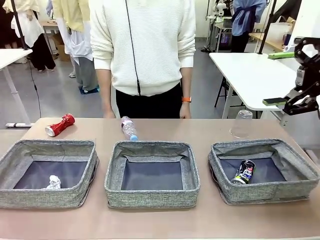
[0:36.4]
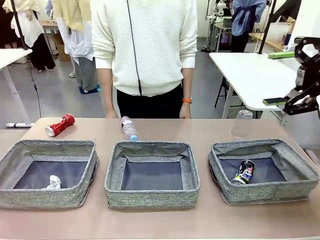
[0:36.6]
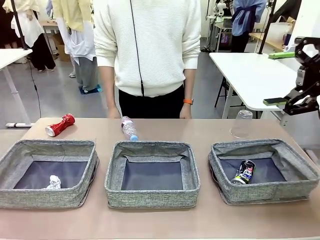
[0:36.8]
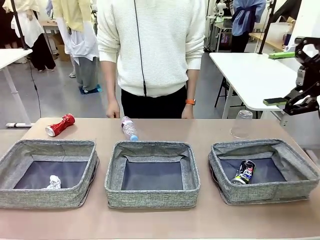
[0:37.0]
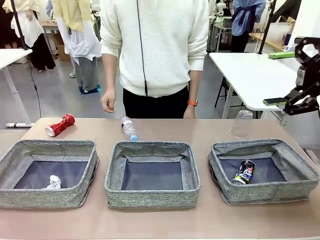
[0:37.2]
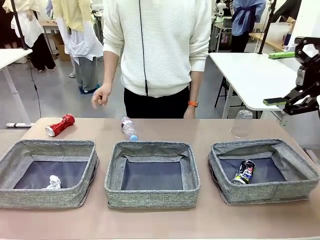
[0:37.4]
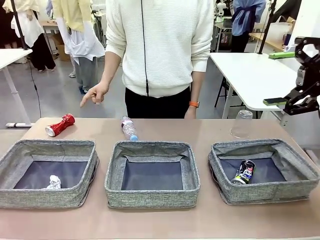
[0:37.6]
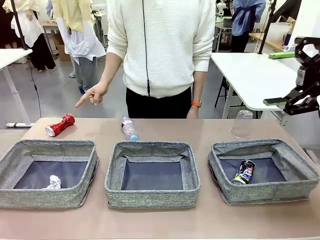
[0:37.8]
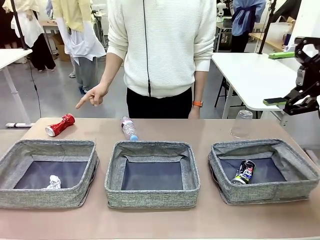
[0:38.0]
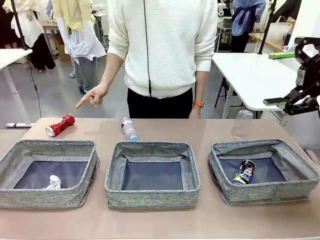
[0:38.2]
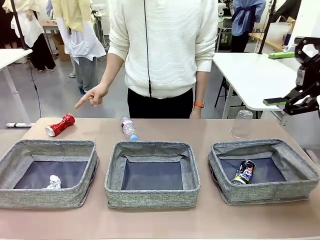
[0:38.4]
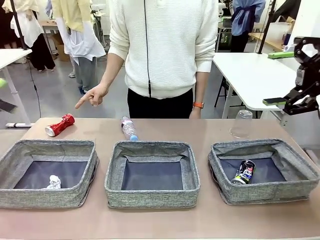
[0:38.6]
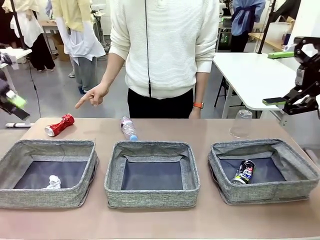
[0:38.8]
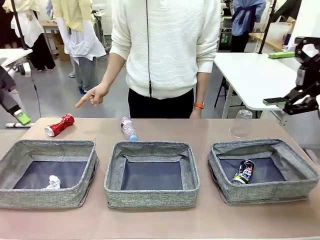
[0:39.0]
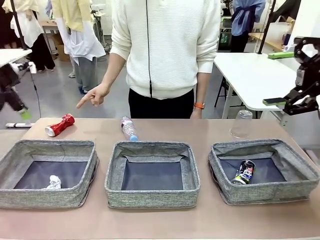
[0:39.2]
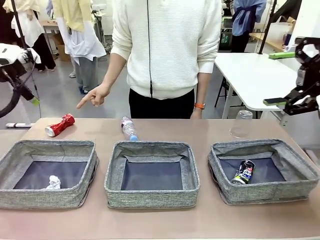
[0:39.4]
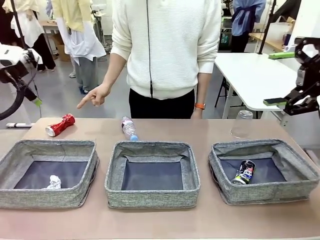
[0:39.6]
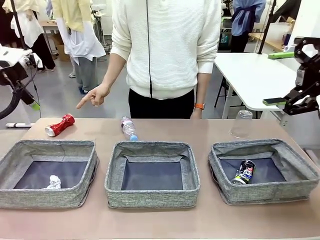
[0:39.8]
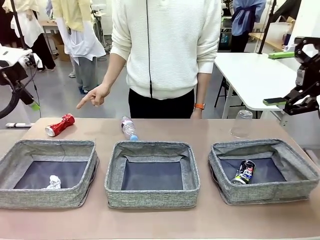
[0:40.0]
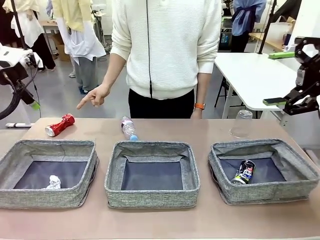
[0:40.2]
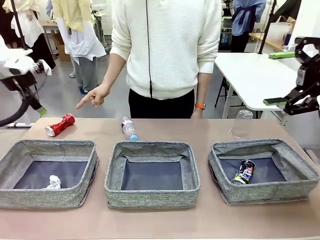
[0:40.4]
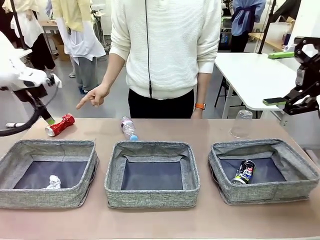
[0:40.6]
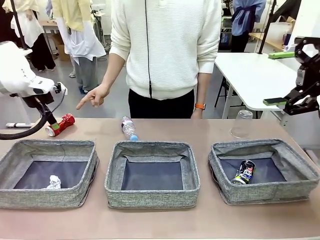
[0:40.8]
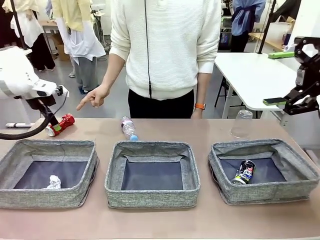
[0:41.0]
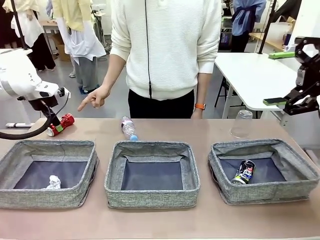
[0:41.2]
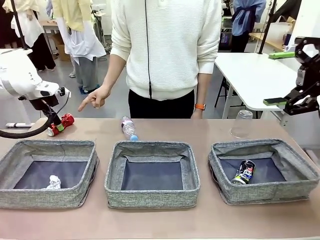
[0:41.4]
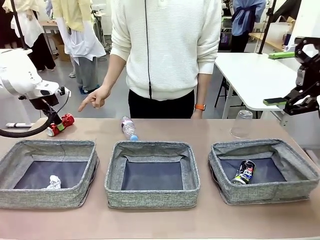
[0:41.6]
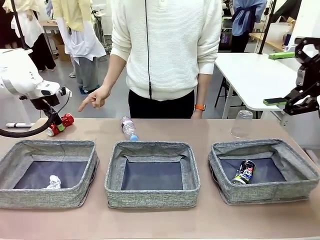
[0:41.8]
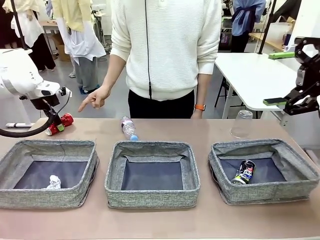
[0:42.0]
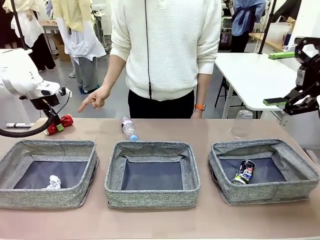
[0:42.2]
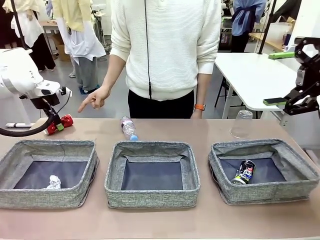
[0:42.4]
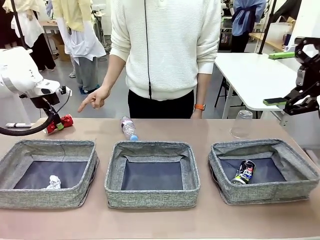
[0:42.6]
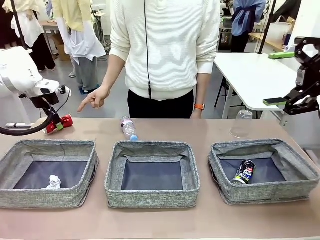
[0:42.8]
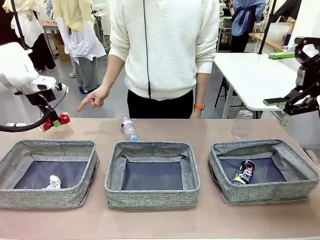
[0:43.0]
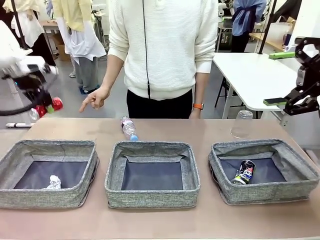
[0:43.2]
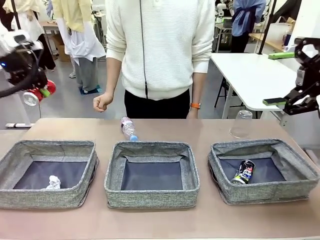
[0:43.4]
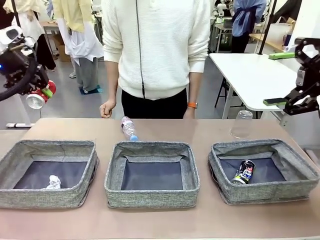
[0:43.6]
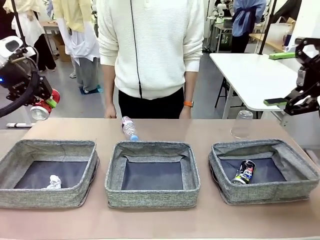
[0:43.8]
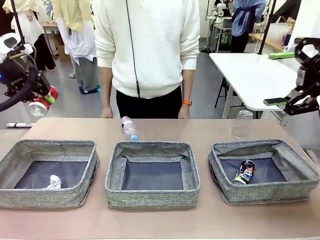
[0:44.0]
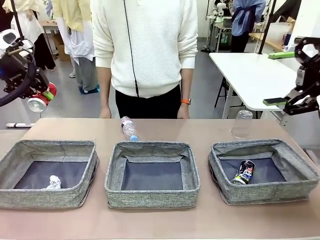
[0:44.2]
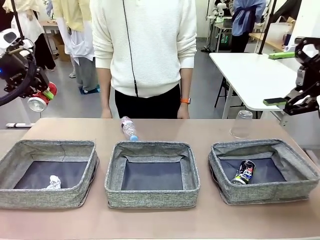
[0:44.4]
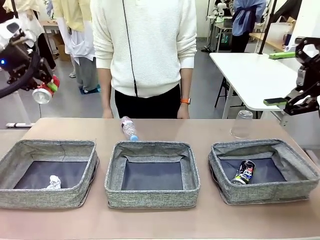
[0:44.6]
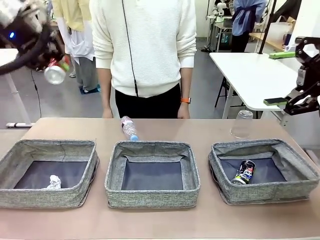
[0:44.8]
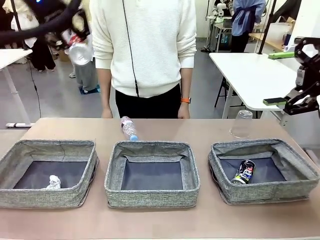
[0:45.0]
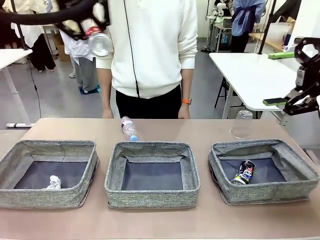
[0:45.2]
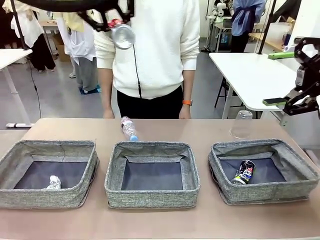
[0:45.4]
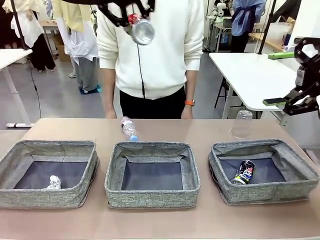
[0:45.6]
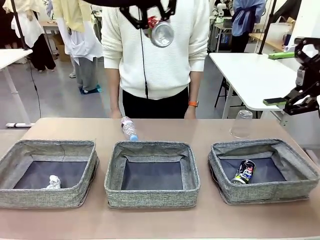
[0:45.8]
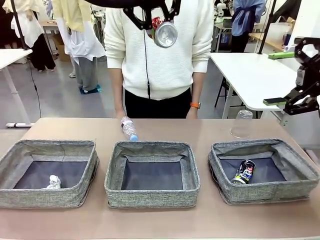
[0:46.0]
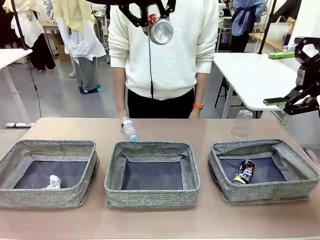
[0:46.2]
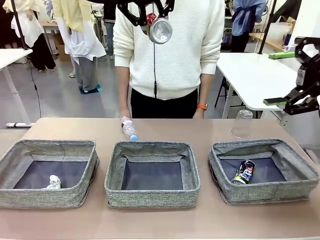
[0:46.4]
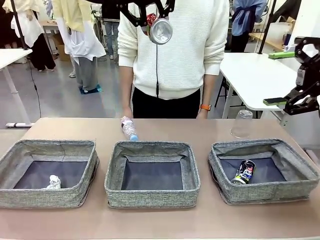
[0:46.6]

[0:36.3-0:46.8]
Task: Sort the waste into the appropriate baskets.
Robot: Pick up the waste item pointed out by the person.
Person: Points to one piece of trash on the table.

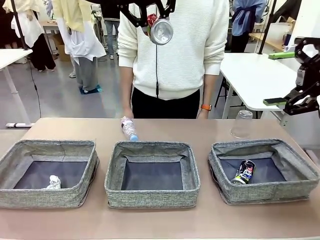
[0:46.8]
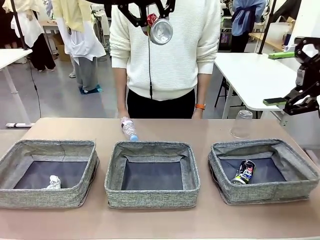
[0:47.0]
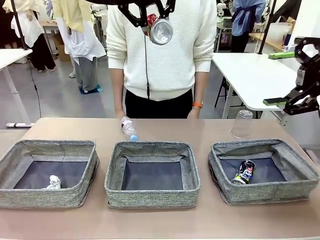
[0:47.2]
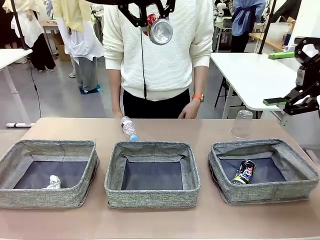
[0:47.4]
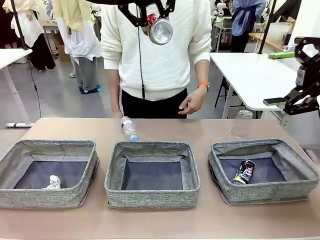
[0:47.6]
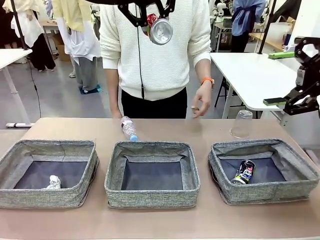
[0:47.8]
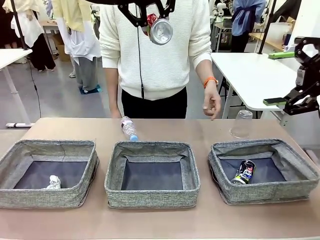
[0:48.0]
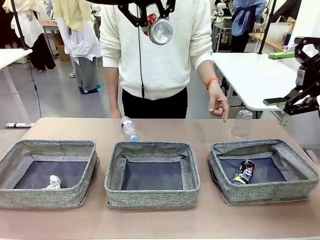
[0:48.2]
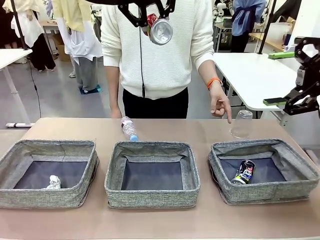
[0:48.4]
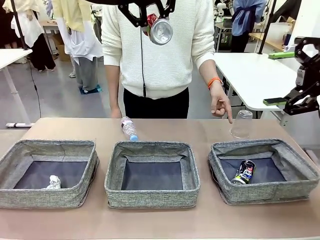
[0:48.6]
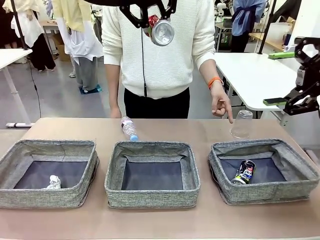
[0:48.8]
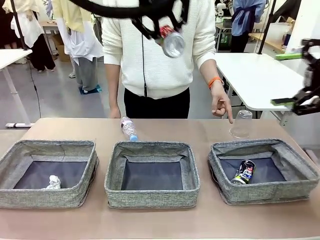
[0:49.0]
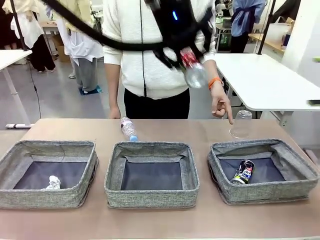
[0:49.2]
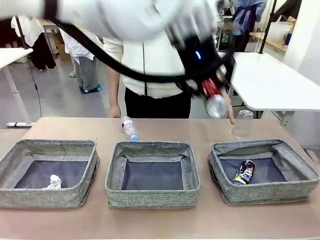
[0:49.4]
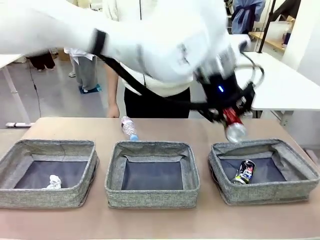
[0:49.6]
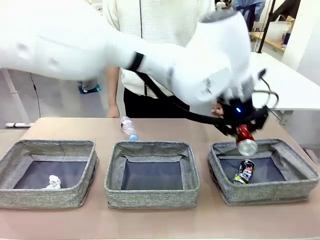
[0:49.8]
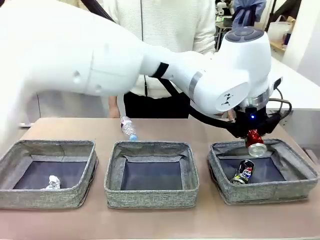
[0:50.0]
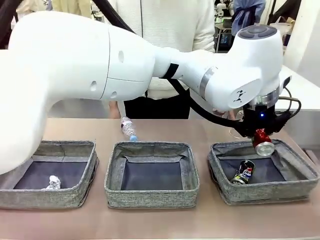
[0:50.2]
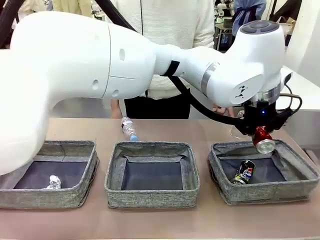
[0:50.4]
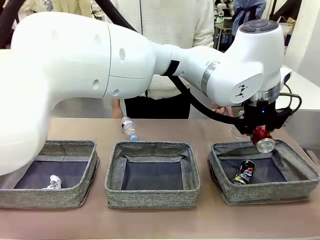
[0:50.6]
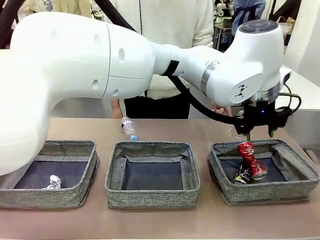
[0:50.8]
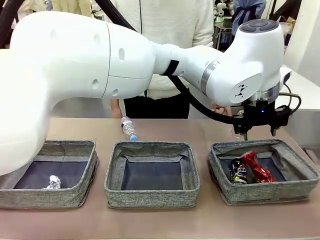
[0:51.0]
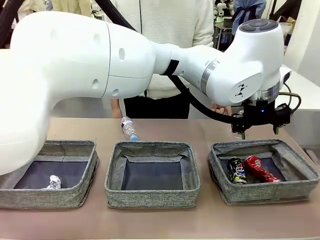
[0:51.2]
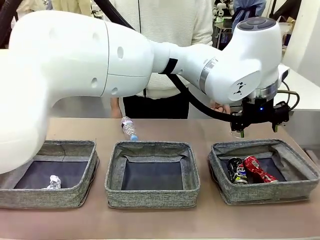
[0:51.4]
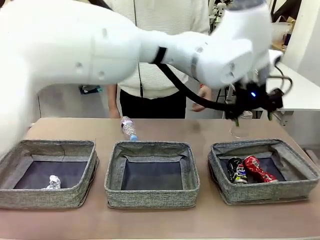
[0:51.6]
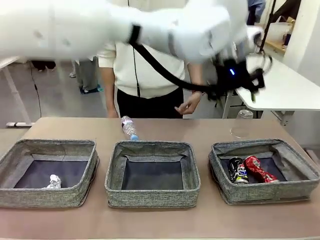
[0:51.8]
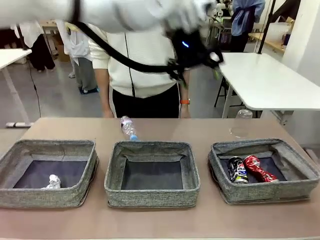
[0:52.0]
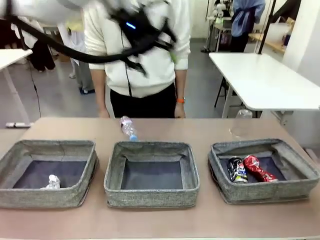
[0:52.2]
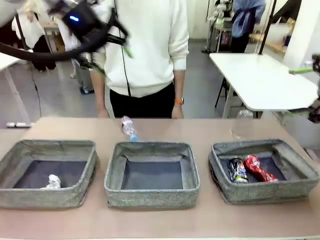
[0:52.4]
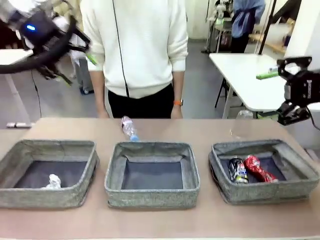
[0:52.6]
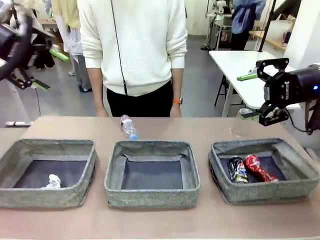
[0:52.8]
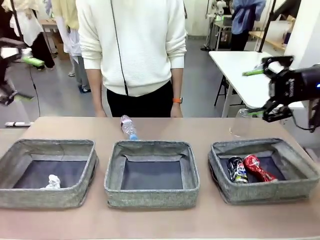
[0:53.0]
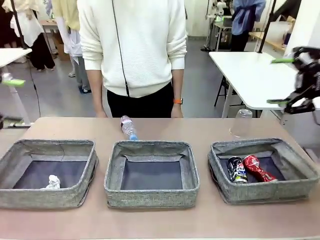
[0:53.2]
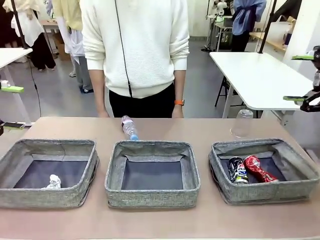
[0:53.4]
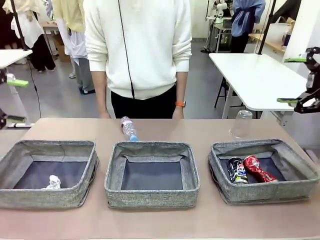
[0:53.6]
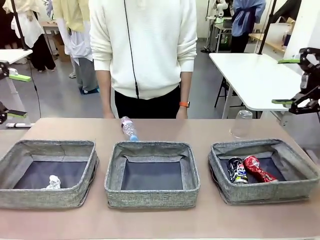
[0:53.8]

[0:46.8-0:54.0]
Robot: Place the picked waste into the Fabric basket indicated by the person.
Person: Instructs the robot to place the picked-up trash into the appropriate organizing basket.
